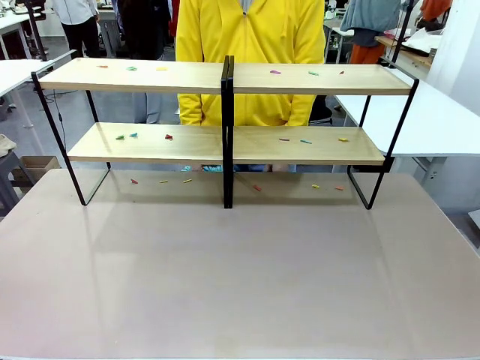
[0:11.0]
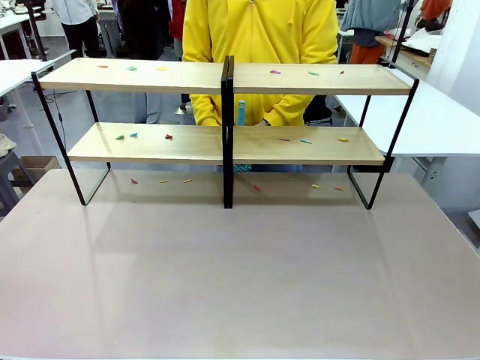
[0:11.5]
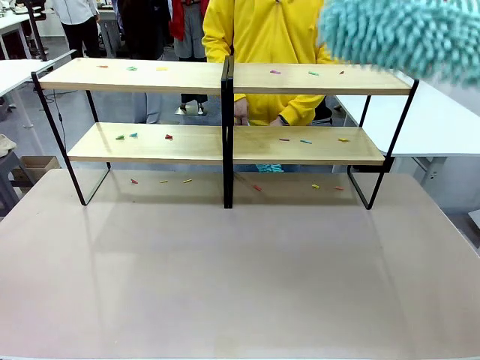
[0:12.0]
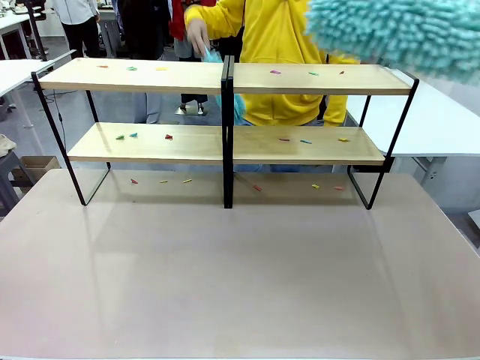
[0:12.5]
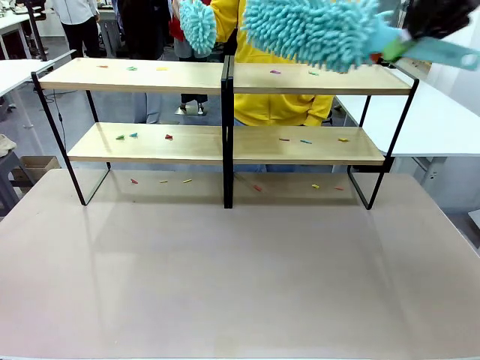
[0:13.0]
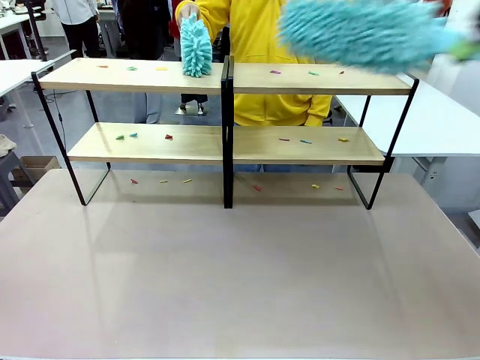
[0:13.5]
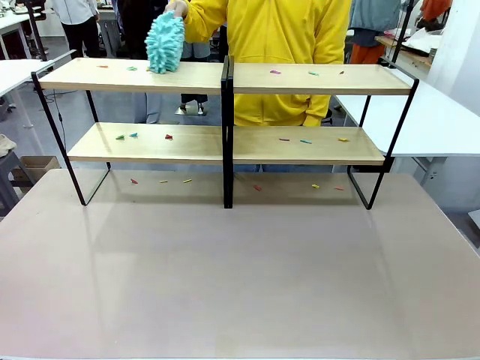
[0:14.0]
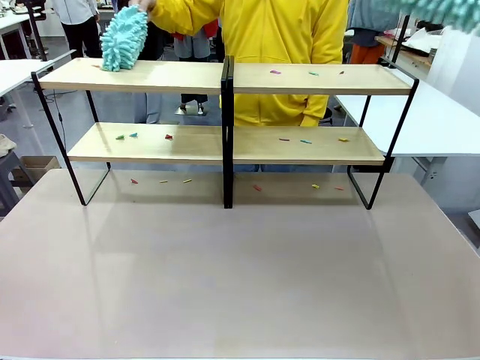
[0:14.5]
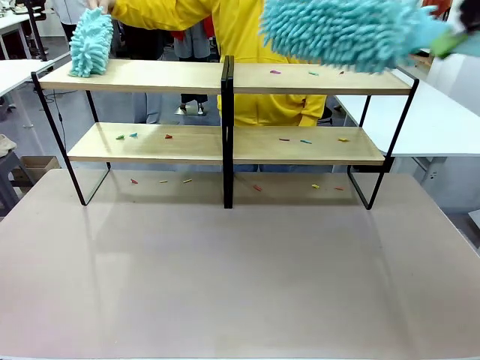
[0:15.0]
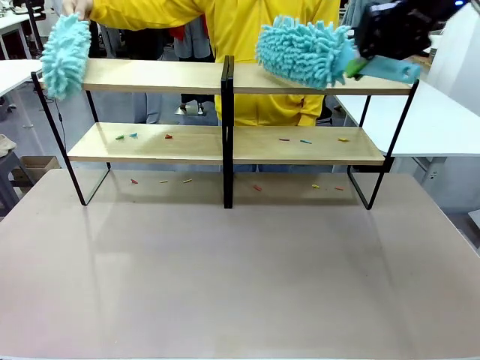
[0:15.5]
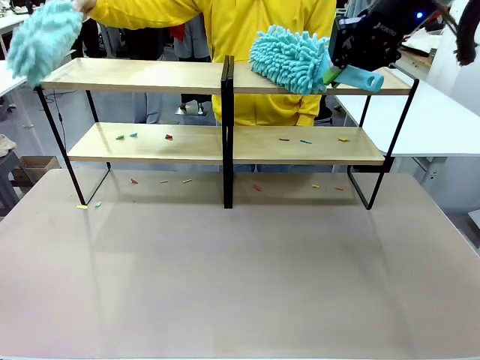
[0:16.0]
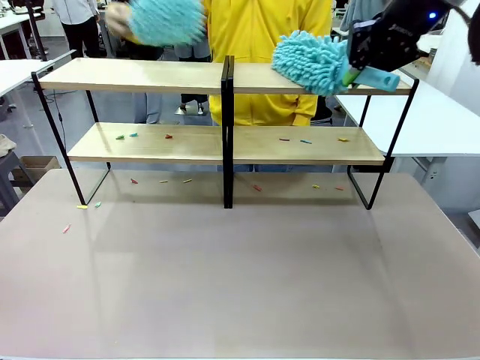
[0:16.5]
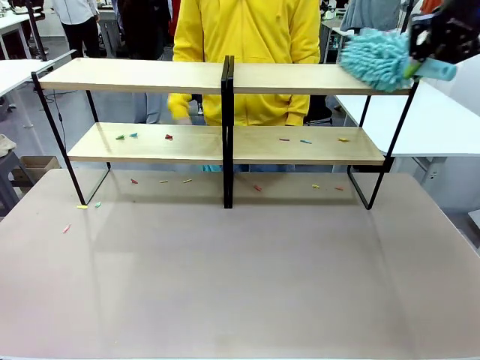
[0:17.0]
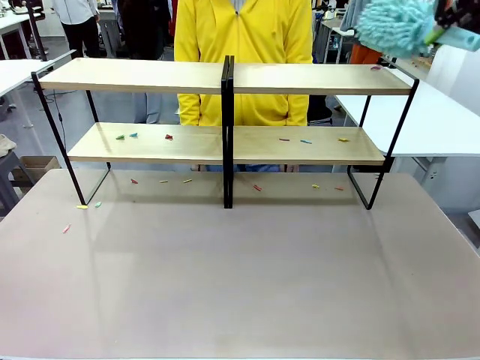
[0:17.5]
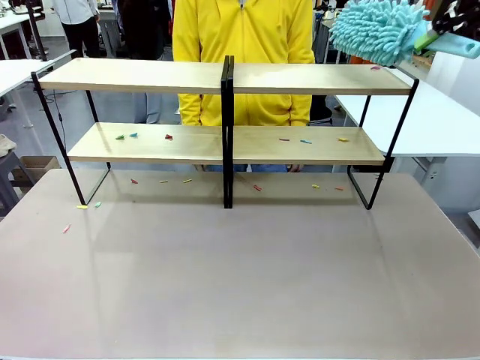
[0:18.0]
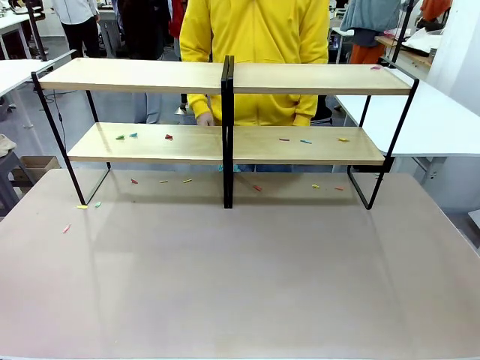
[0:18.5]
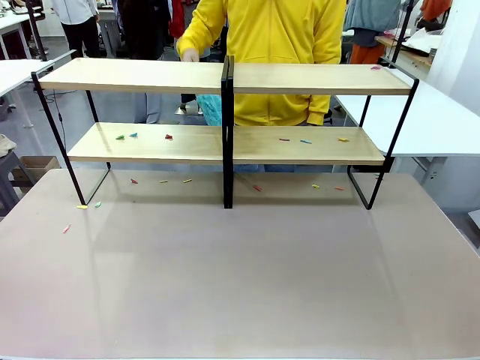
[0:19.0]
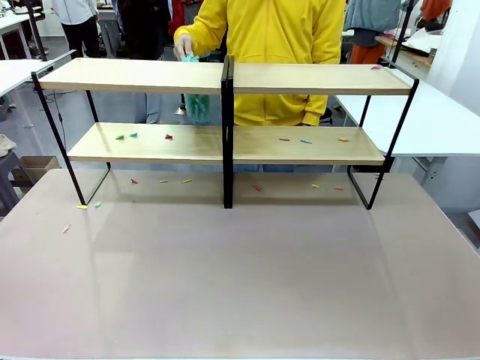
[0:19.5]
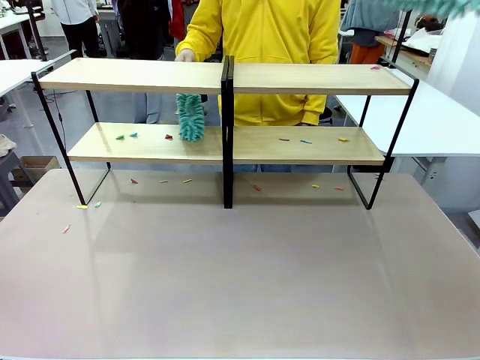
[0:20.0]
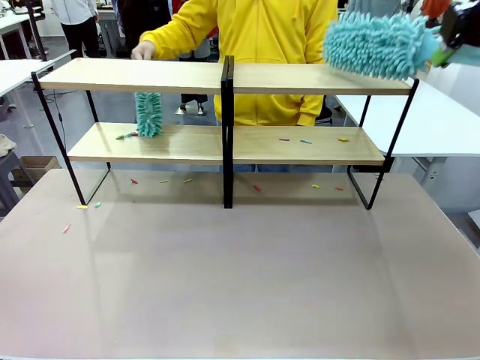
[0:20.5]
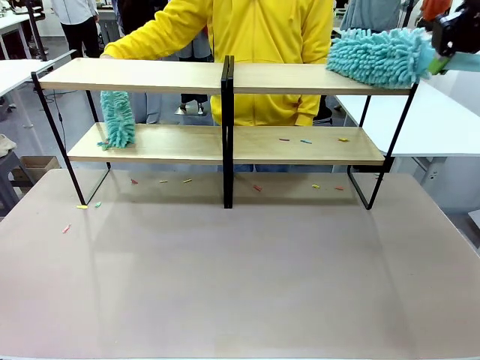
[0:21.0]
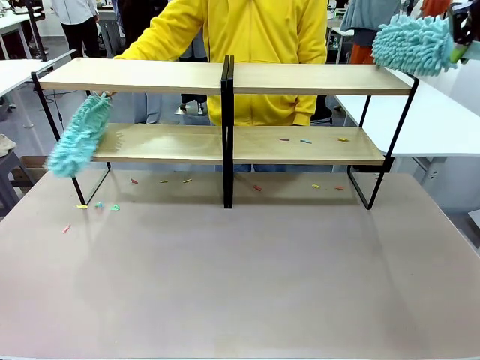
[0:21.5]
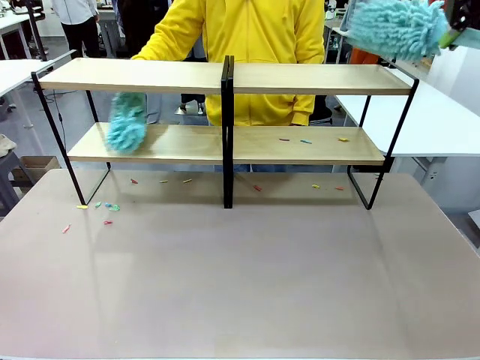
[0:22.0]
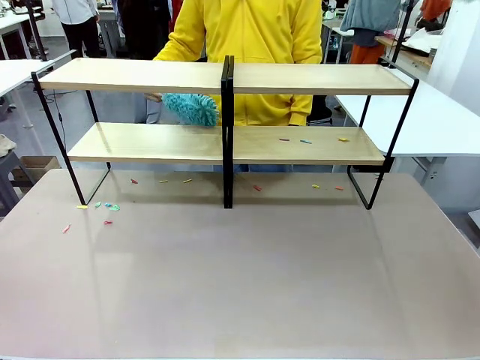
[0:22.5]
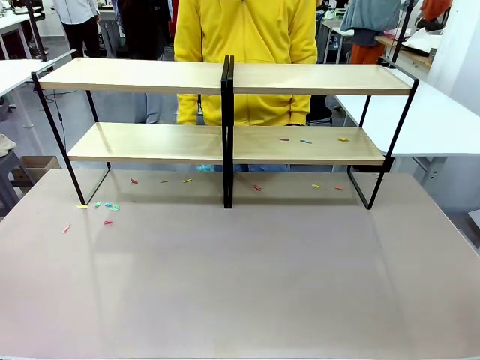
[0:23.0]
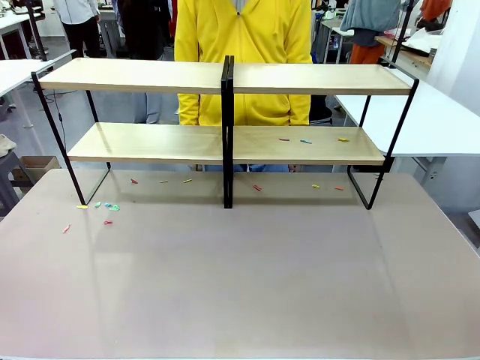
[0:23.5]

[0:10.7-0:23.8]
Task: Clean the shelves.
Robot: Clean a randomly selected level of the Shelf with the Duster.
Person: Clean a randomly selected level of the Shelf with the Duster.

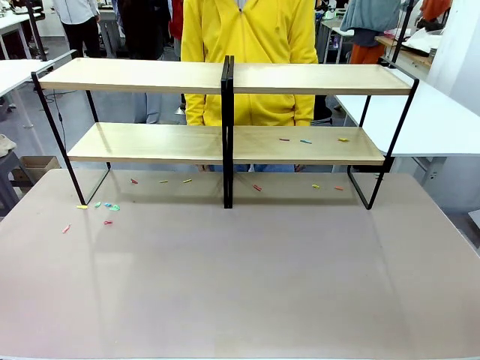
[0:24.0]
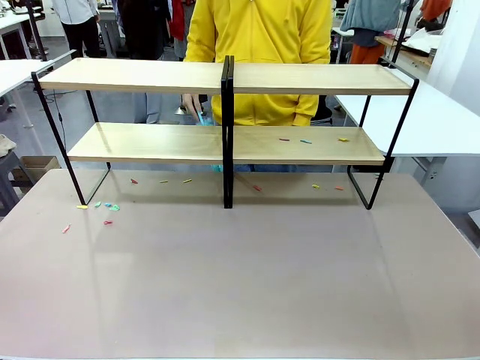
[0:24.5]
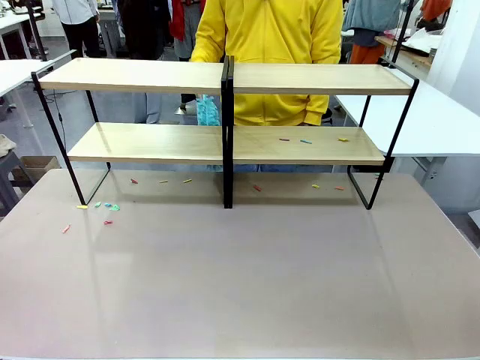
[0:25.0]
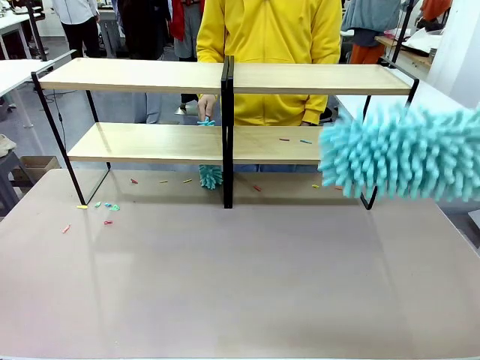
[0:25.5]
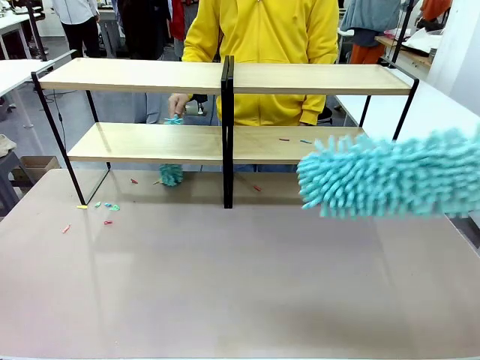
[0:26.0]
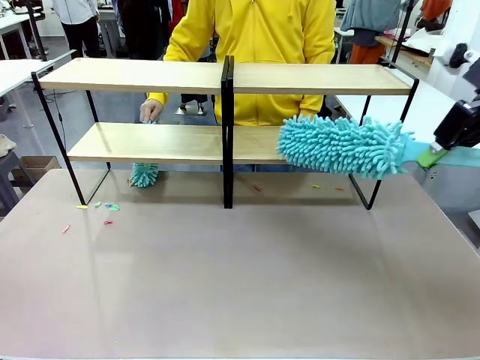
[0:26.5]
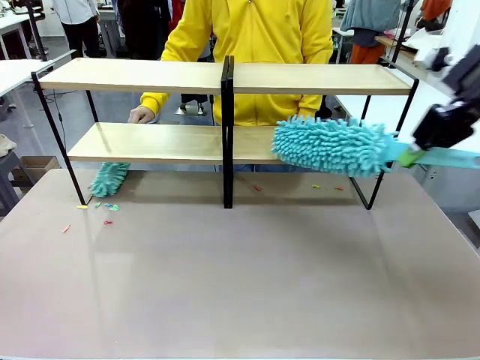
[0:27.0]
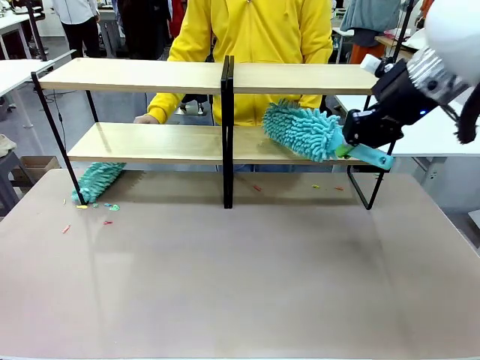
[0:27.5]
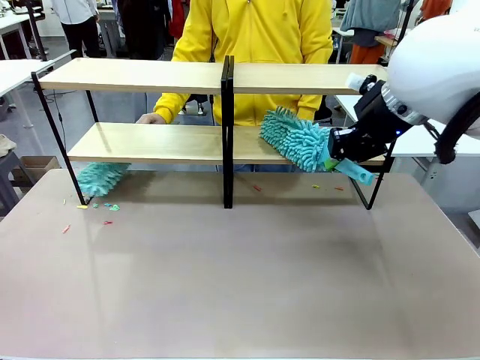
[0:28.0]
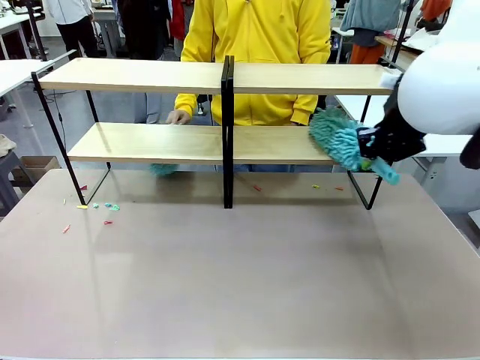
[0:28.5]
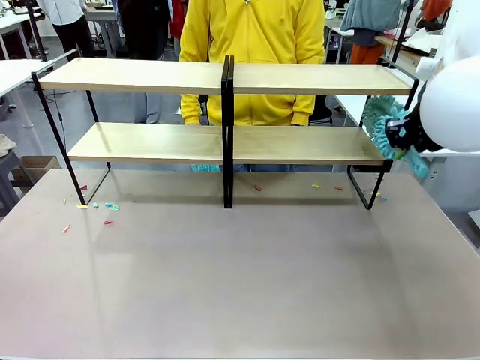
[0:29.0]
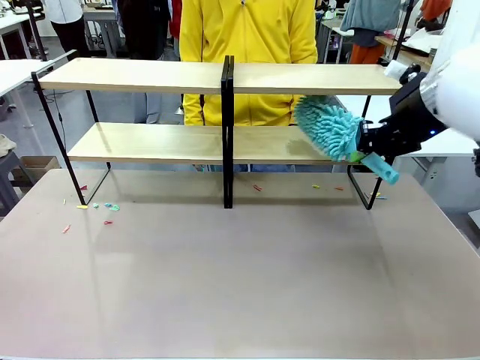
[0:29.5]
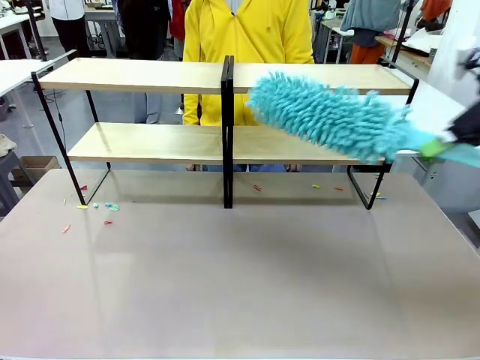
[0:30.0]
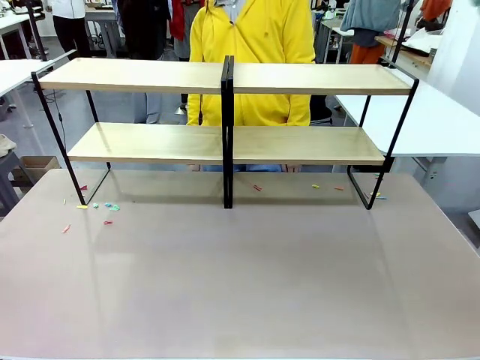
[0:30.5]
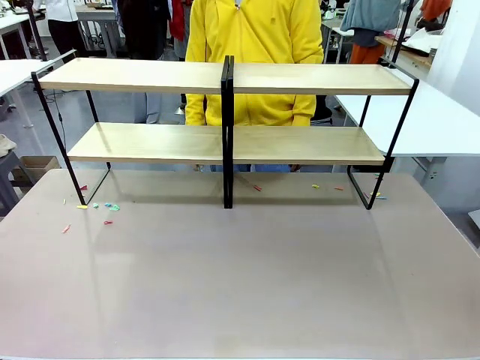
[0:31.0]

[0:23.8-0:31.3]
Robot: Clean another randomly selected level of the Shelf with the Duster.

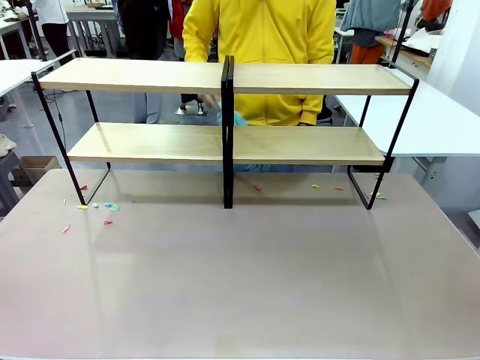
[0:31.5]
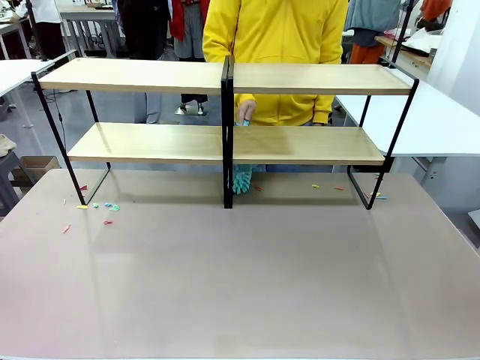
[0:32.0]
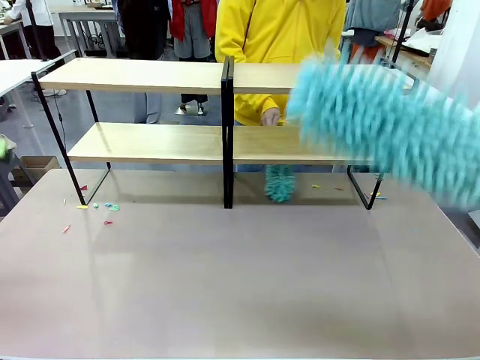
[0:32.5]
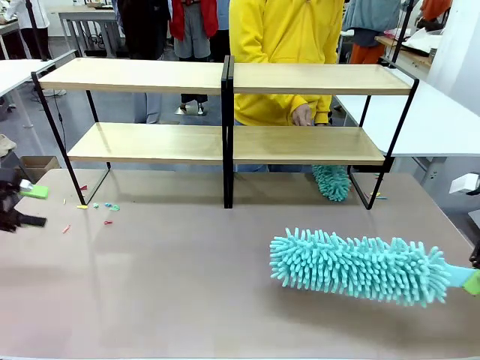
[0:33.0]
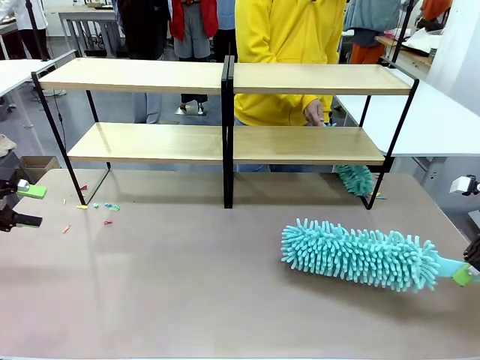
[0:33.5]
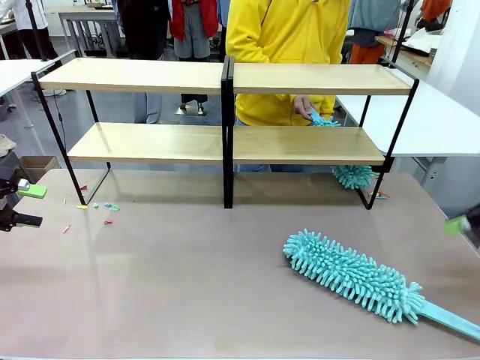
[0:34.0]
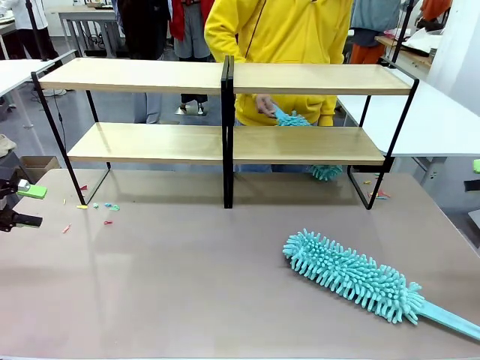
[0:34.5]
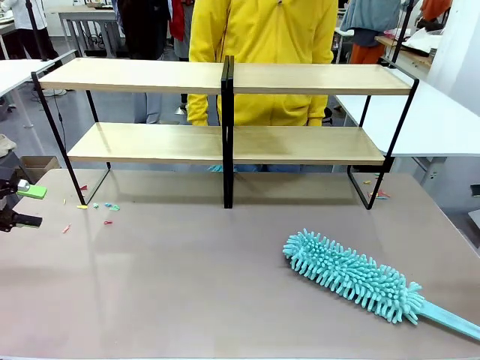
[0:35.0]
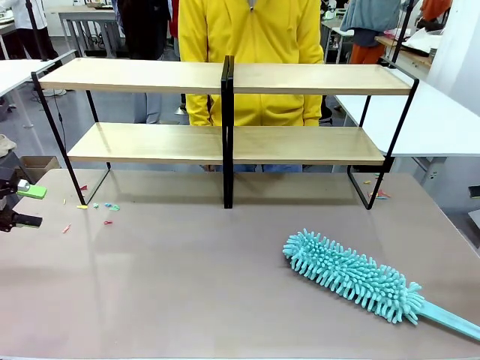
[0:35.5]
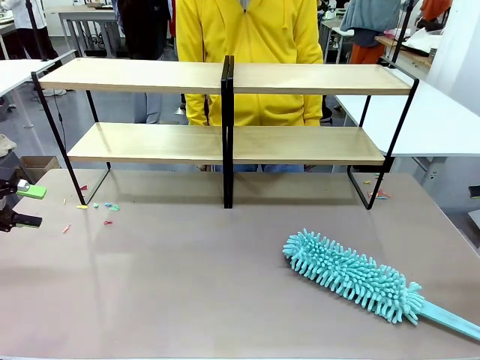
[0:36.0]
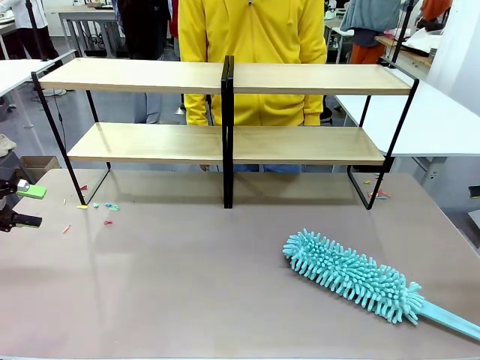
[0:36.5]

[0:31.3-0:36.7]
Robot: Place the Duster on the table.
